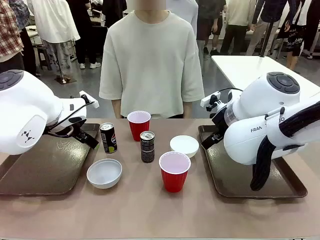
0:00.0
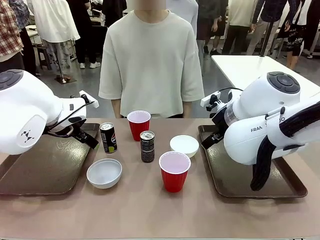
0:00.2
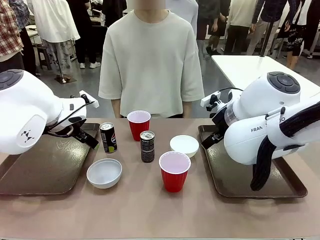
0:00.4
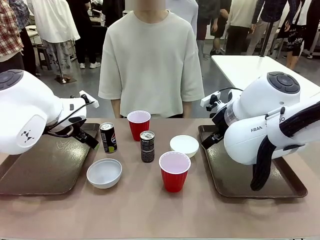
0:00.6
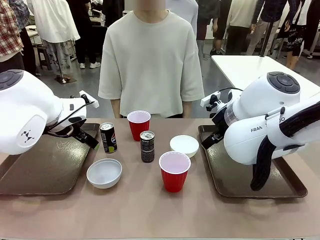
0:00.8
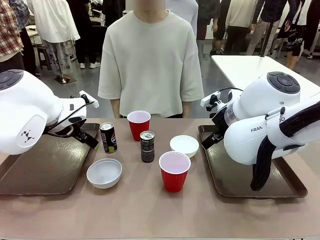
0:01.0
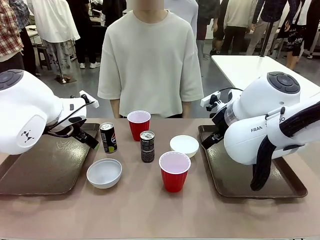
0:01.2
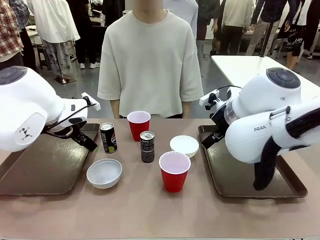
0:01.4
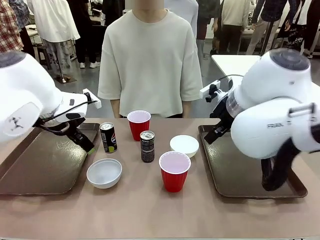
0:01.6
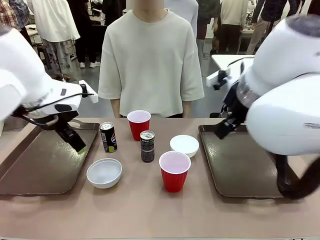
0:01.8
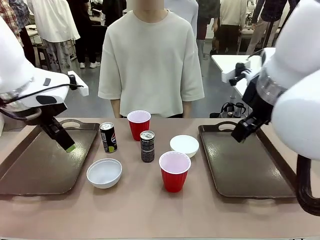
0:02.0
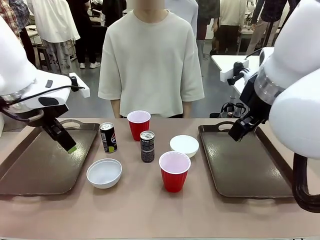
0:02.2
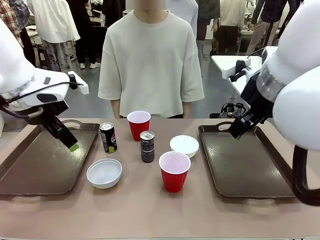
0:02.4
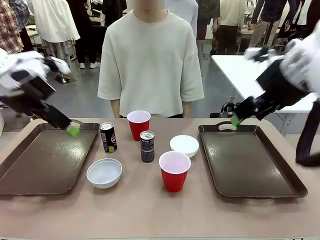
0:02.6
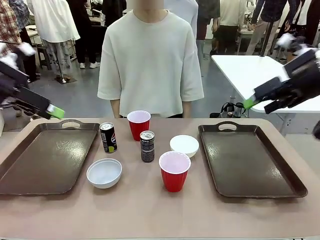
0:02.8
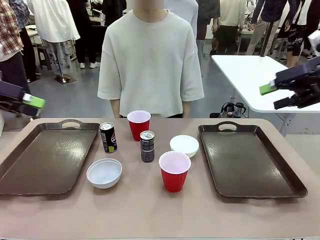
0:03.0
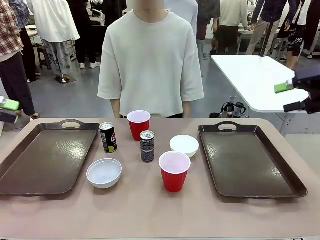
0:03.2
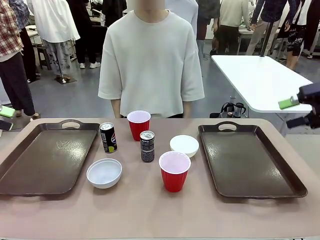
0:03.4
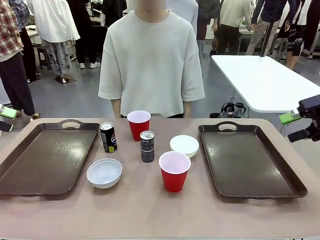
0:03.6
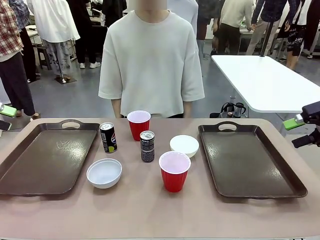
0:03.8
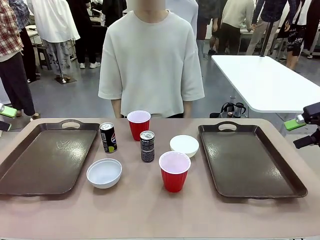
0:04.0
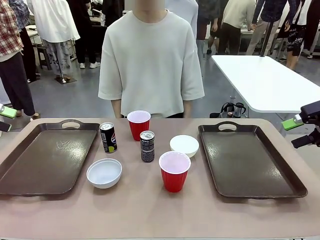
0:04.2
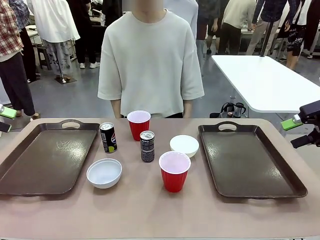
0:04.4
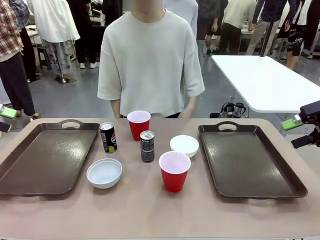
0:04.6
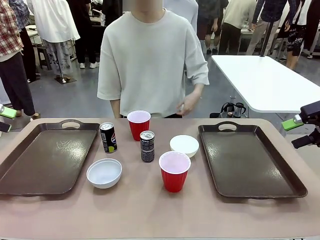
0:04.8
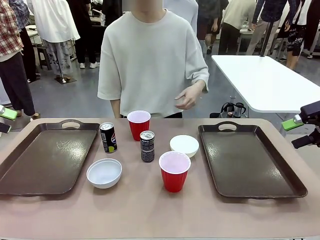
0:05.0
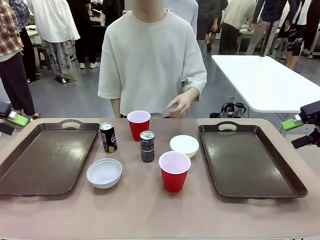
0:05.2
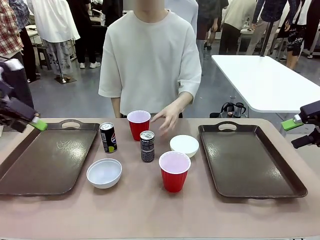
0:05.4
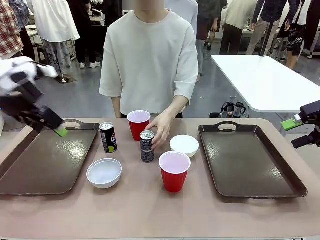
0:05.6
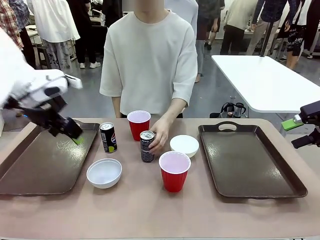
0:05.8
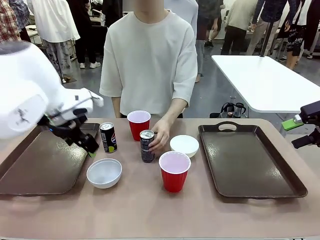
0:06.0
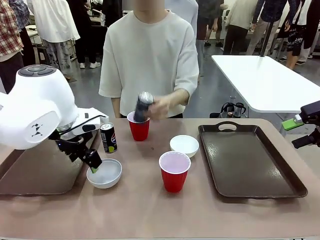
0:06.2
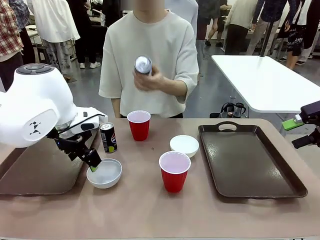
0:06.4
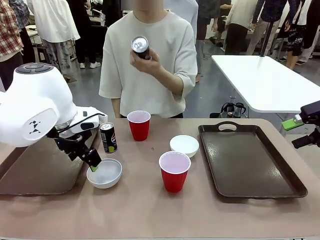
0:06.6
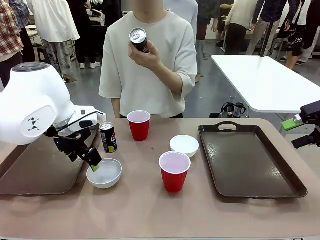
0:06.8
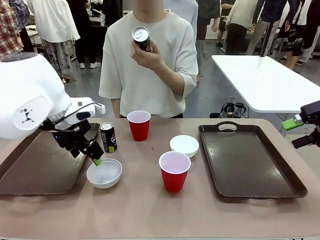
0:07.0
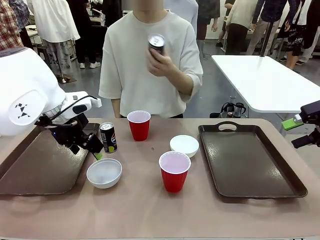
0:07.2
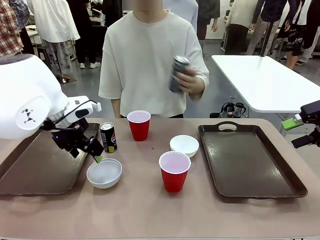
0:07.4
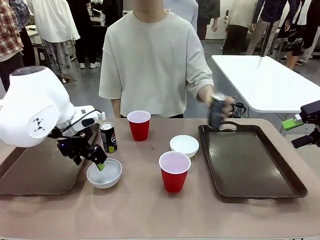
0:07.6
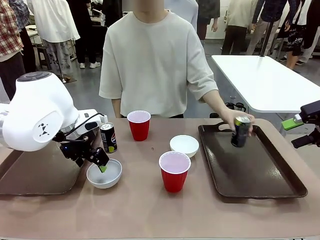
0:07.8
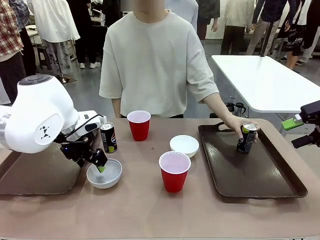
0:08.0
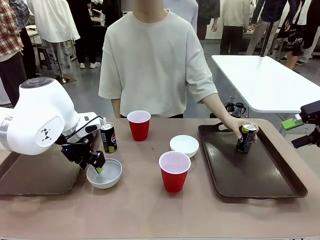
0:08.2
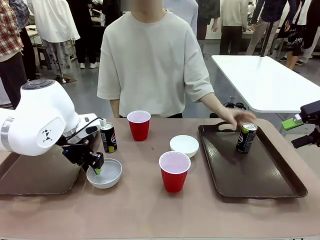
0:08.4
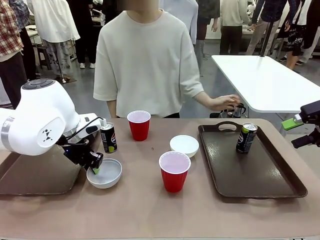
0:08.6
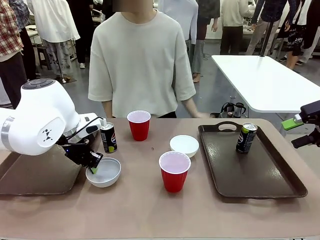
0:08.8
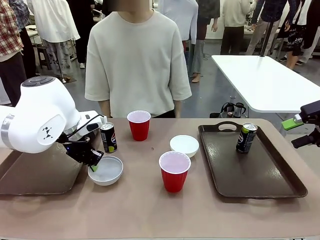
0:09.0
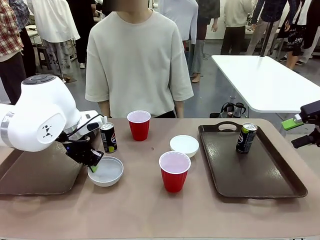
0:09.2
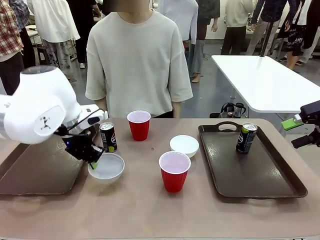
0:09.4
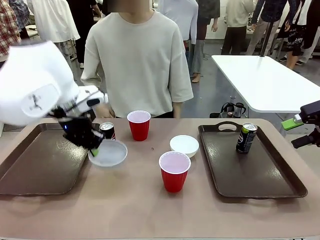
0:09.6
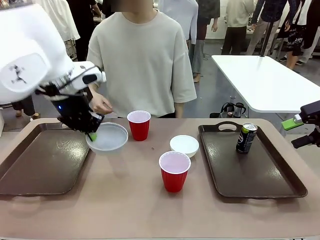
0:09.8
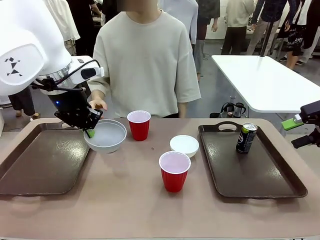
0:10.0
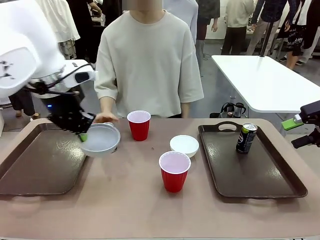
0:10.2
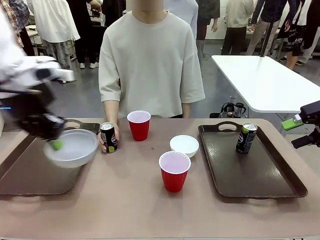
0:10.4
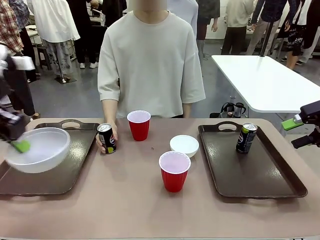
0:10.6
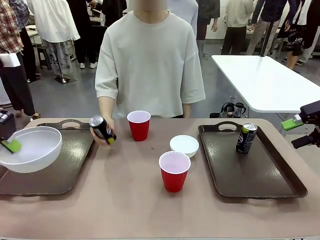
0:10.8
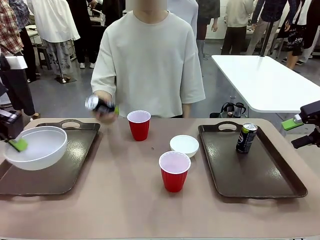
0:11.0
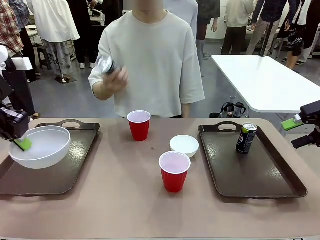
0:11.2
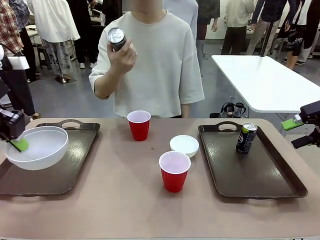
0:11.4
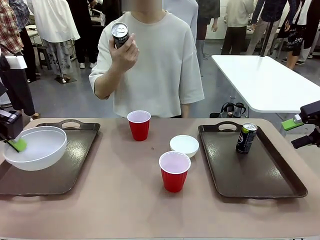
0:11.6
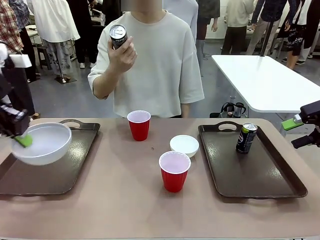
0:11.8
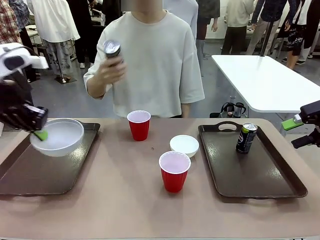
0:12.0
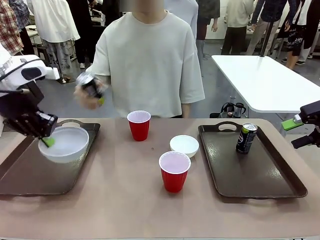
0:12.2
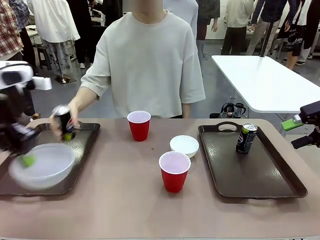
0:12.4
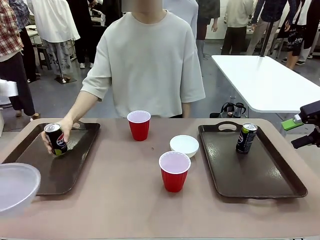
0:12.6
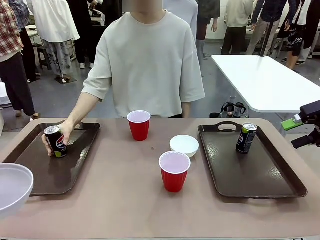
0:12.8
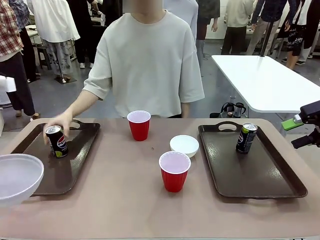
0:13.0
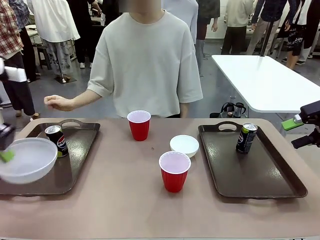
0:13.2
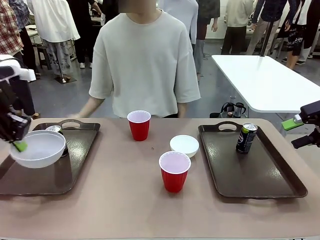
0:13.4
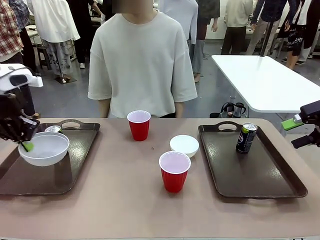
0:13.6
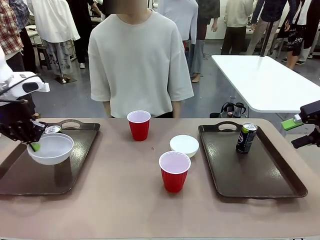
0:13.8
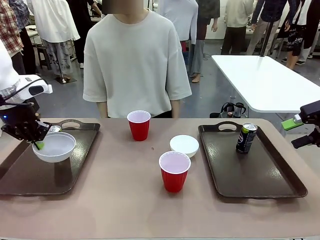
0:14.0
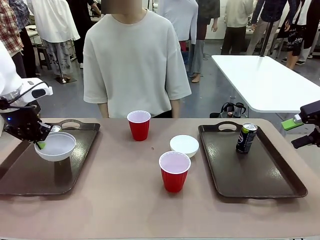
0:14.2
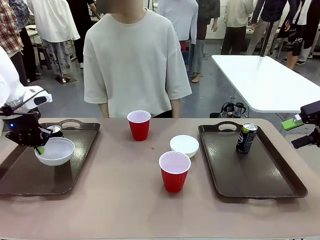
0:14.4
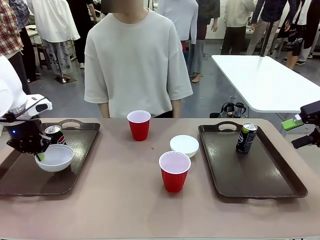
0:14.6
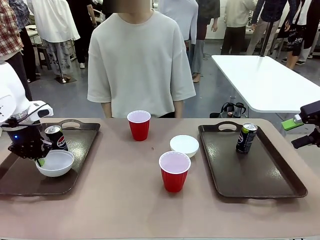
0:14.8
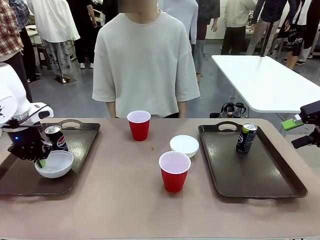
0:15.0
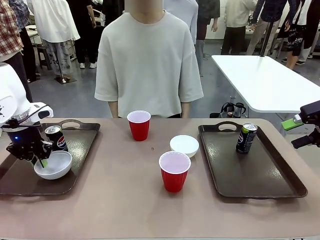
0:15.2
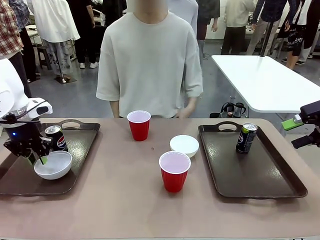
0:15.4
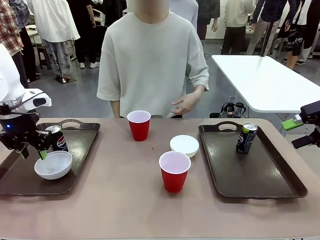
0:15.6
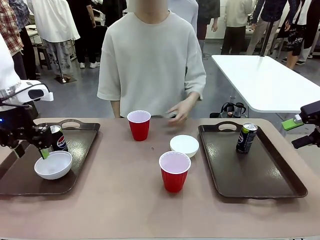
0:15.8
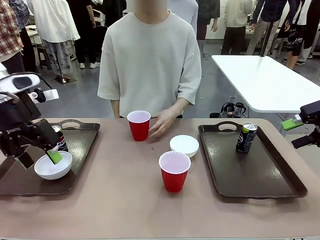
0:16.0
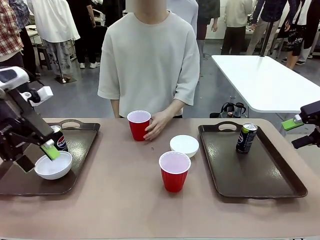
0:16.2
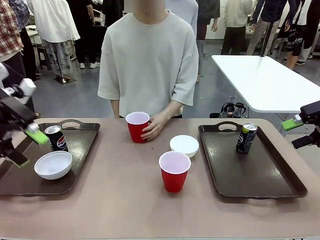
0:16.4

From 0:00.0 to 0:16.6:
Task: Prepare tableware on both trays.
Robot: Pick up a Picnic Bowl from the table and place it on a Handle tray.
Person: Pick up a can or cup and place it on the tray.
